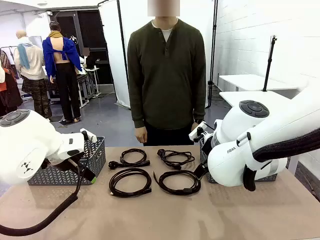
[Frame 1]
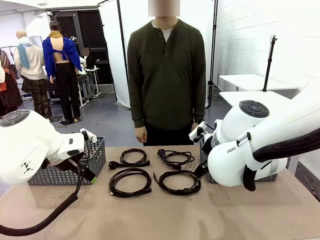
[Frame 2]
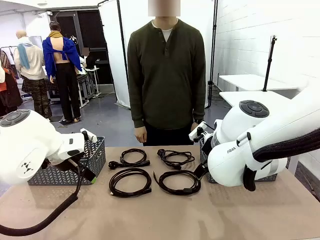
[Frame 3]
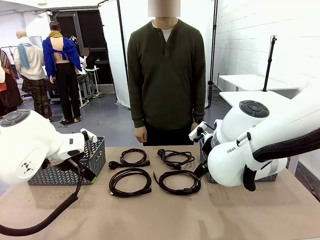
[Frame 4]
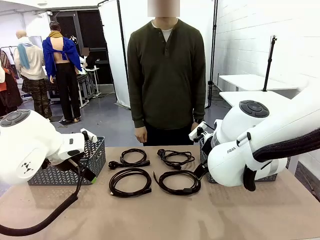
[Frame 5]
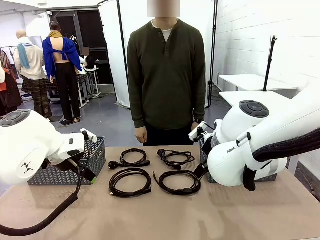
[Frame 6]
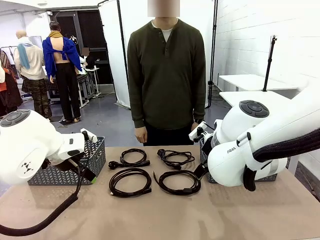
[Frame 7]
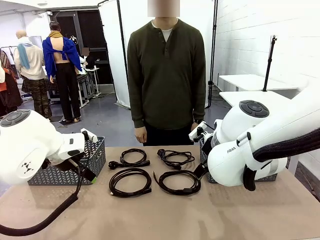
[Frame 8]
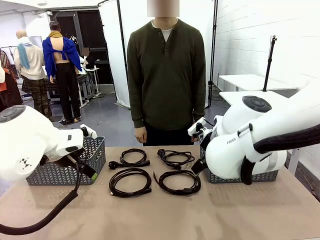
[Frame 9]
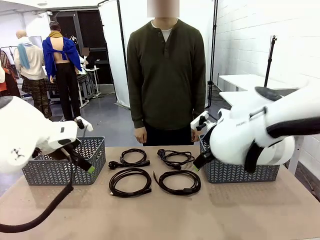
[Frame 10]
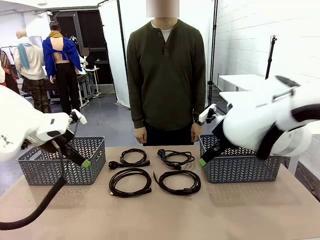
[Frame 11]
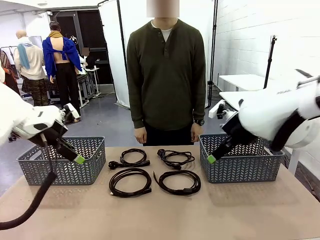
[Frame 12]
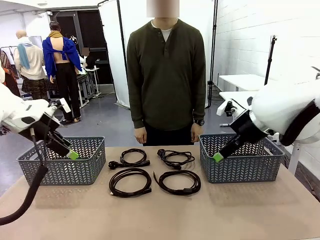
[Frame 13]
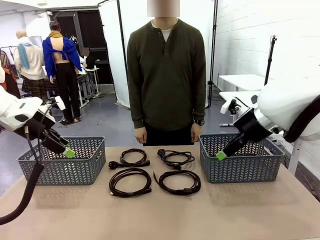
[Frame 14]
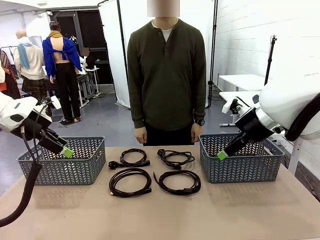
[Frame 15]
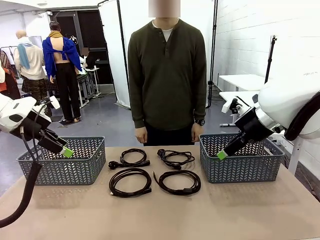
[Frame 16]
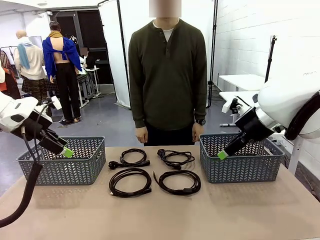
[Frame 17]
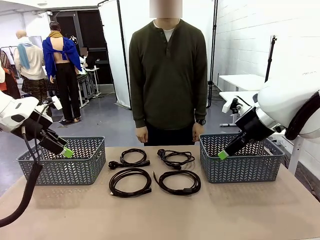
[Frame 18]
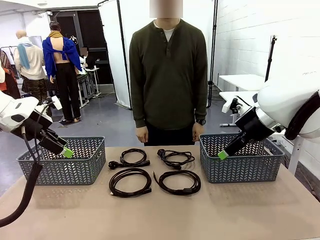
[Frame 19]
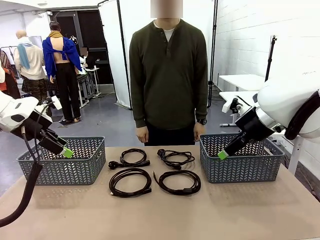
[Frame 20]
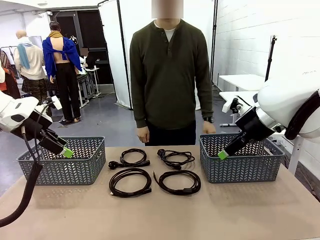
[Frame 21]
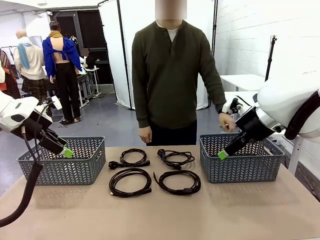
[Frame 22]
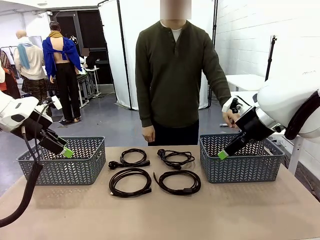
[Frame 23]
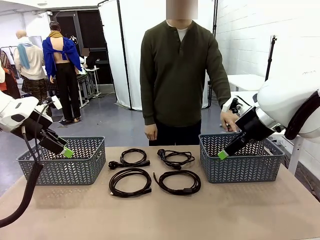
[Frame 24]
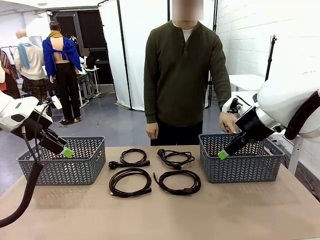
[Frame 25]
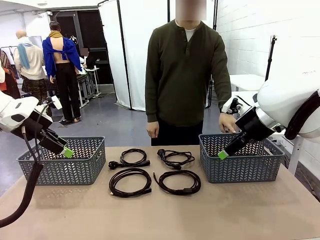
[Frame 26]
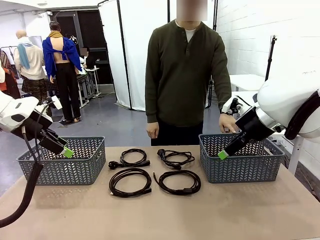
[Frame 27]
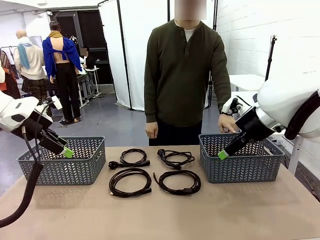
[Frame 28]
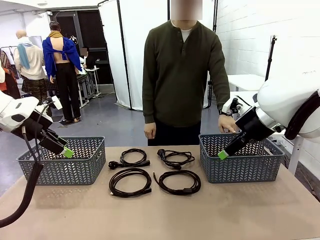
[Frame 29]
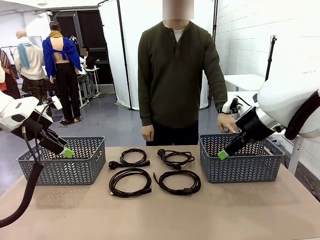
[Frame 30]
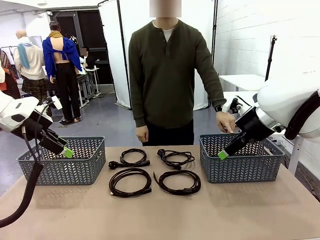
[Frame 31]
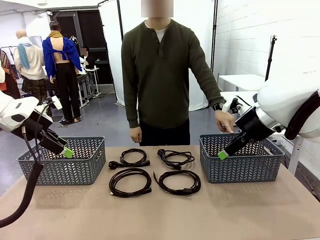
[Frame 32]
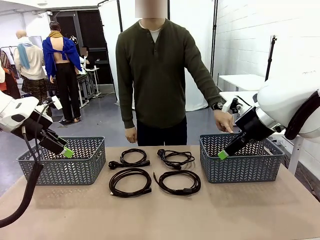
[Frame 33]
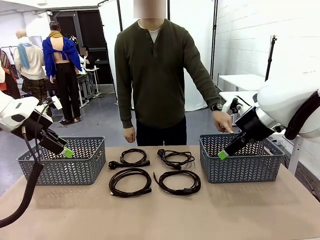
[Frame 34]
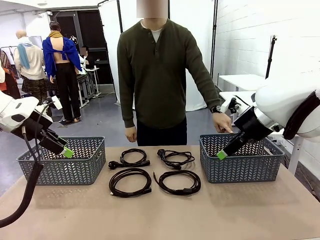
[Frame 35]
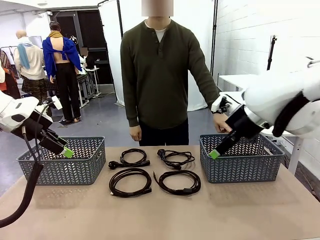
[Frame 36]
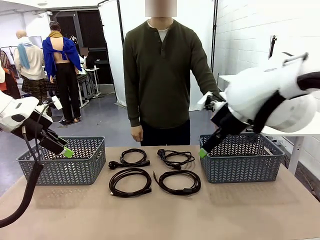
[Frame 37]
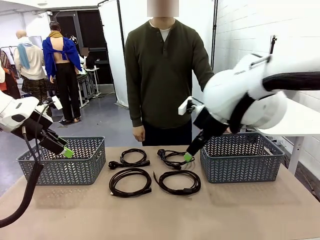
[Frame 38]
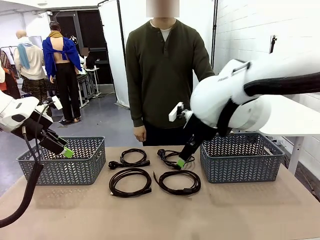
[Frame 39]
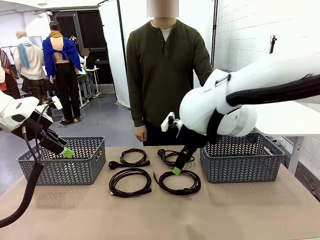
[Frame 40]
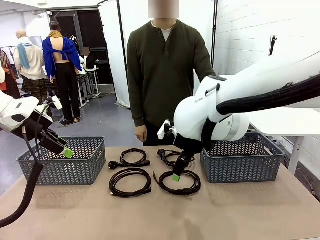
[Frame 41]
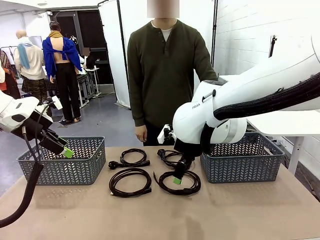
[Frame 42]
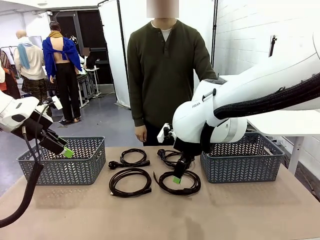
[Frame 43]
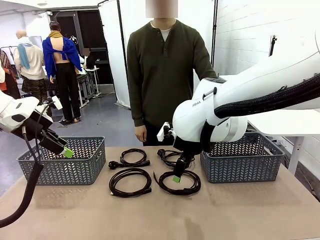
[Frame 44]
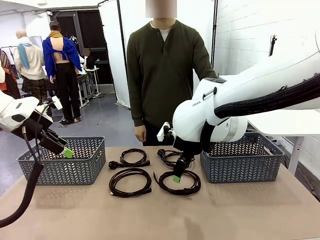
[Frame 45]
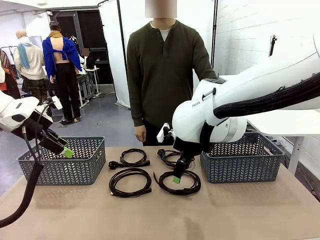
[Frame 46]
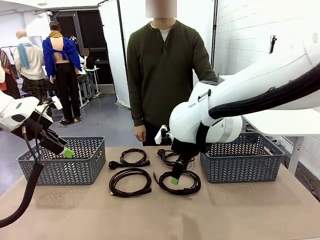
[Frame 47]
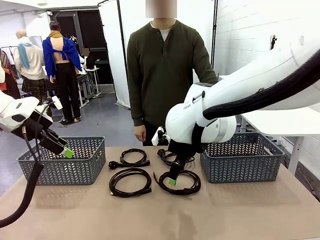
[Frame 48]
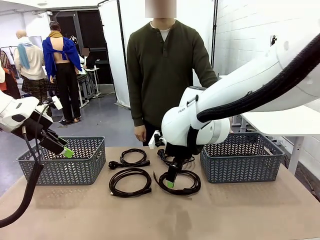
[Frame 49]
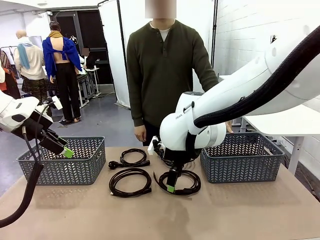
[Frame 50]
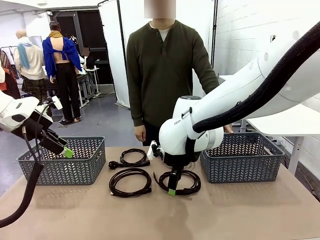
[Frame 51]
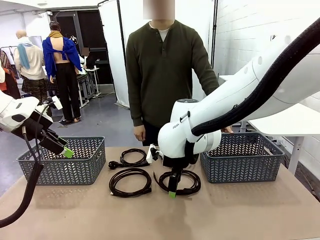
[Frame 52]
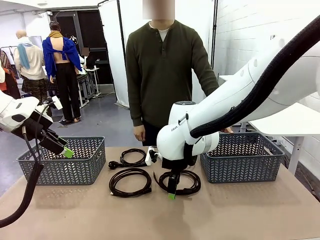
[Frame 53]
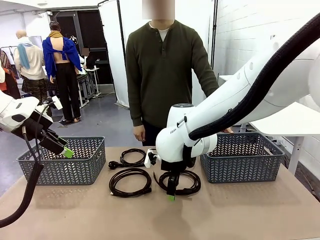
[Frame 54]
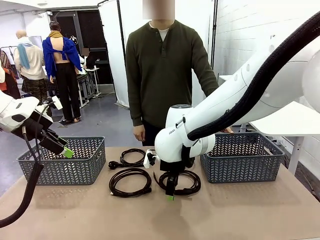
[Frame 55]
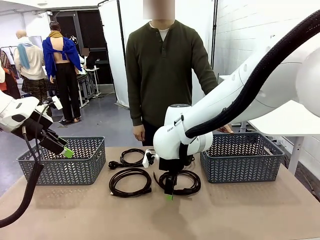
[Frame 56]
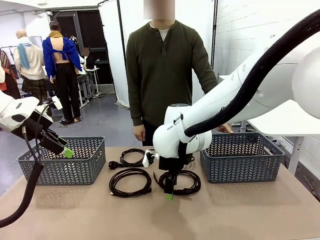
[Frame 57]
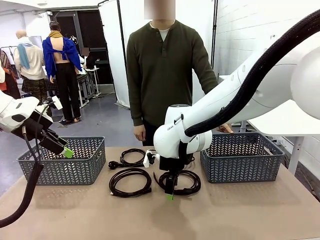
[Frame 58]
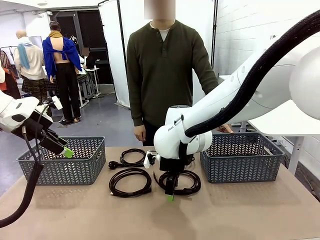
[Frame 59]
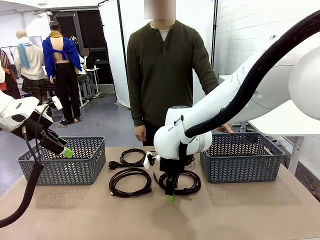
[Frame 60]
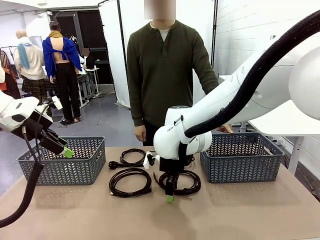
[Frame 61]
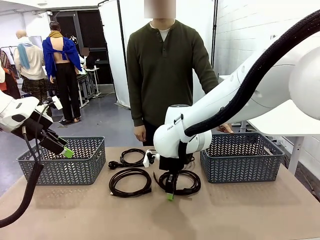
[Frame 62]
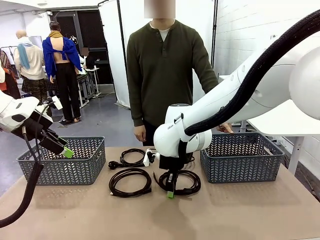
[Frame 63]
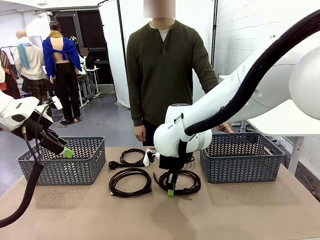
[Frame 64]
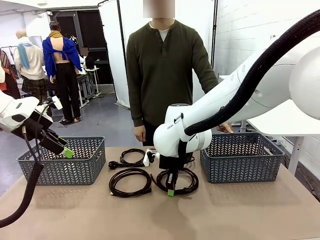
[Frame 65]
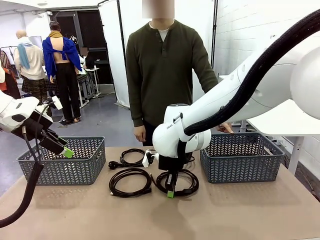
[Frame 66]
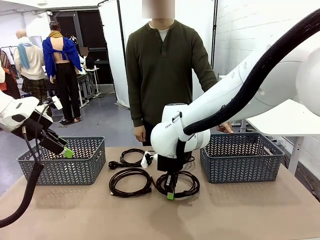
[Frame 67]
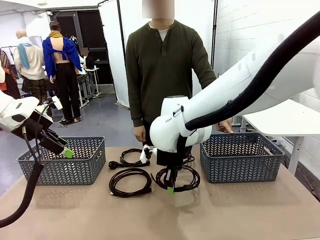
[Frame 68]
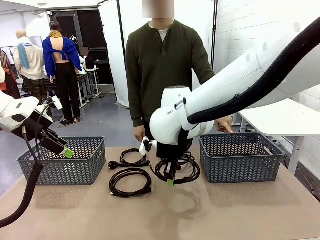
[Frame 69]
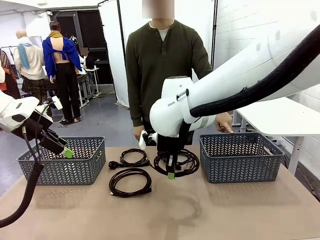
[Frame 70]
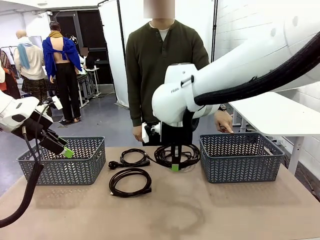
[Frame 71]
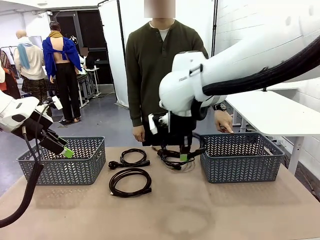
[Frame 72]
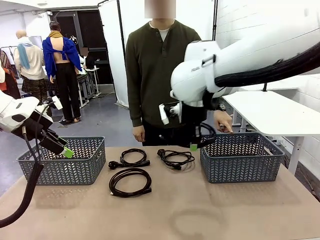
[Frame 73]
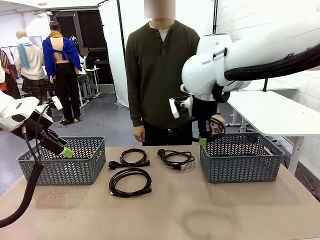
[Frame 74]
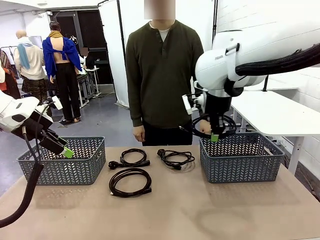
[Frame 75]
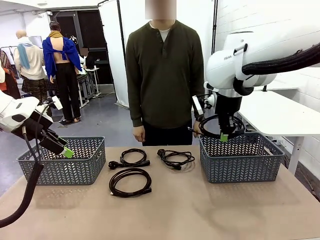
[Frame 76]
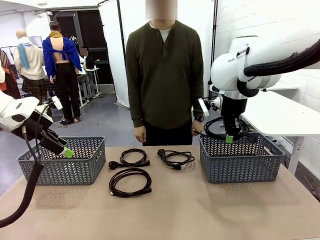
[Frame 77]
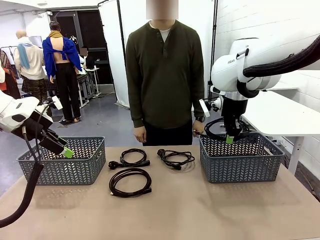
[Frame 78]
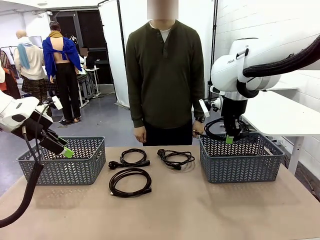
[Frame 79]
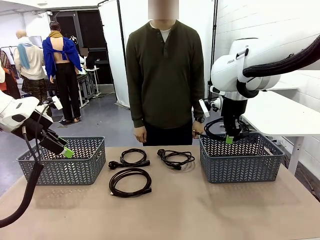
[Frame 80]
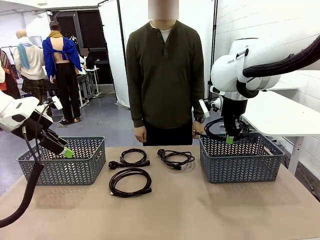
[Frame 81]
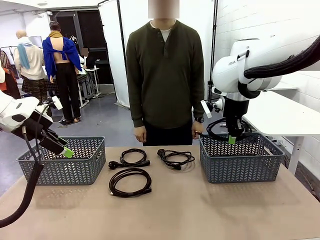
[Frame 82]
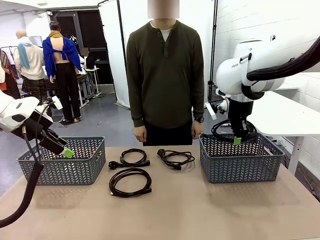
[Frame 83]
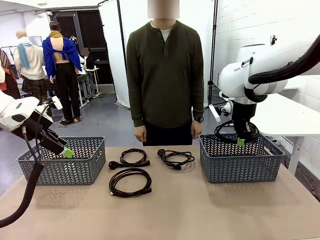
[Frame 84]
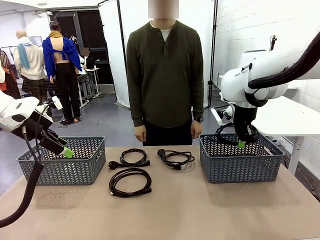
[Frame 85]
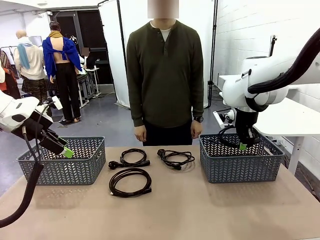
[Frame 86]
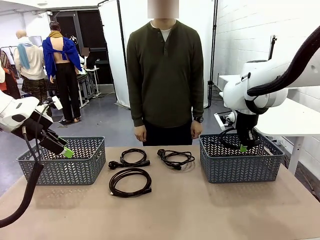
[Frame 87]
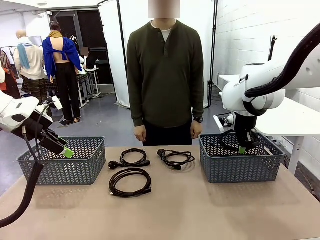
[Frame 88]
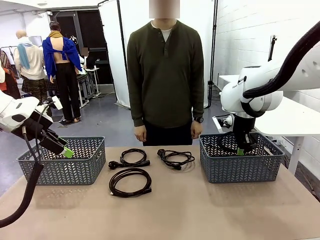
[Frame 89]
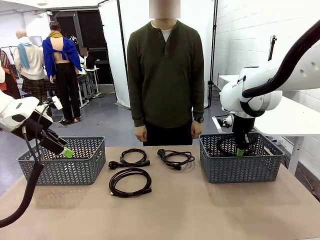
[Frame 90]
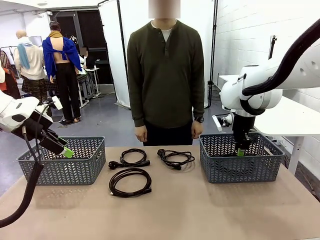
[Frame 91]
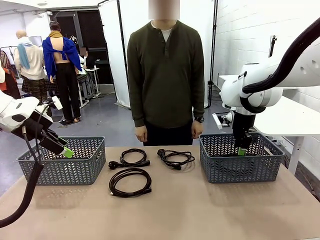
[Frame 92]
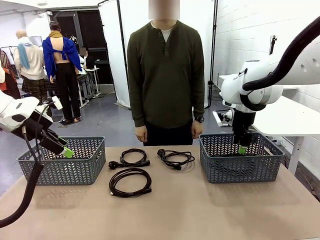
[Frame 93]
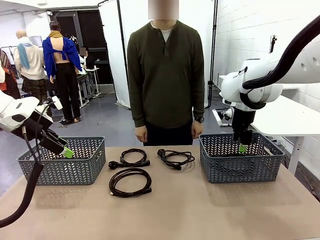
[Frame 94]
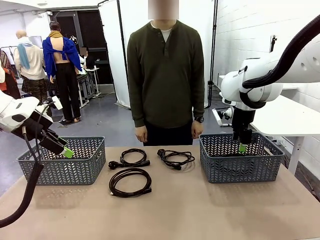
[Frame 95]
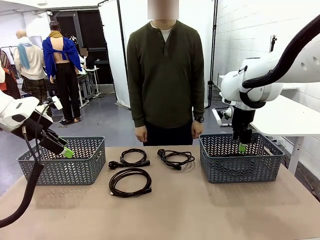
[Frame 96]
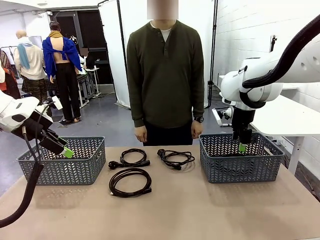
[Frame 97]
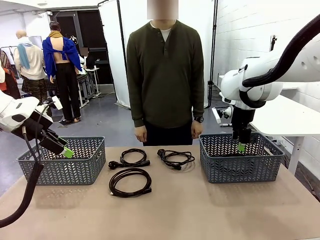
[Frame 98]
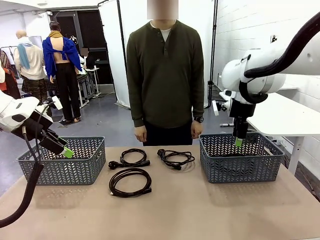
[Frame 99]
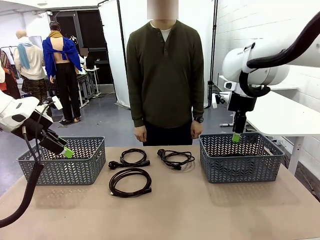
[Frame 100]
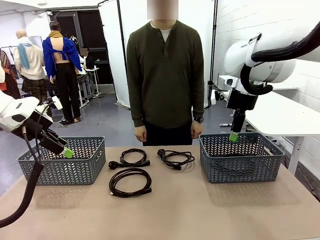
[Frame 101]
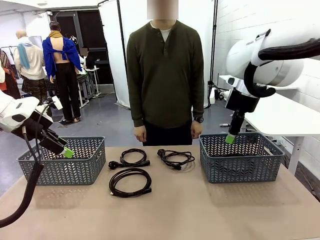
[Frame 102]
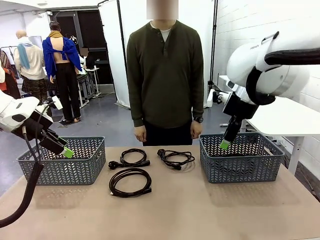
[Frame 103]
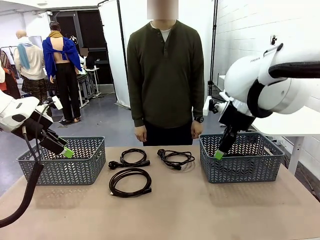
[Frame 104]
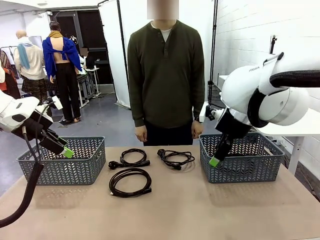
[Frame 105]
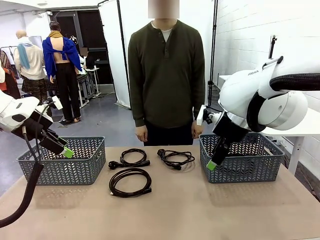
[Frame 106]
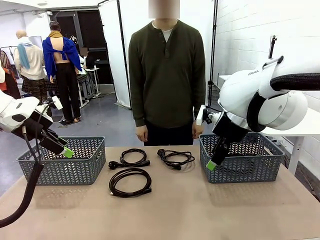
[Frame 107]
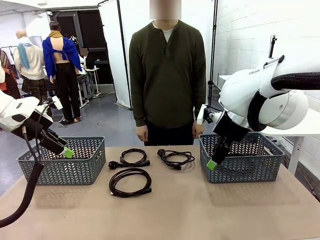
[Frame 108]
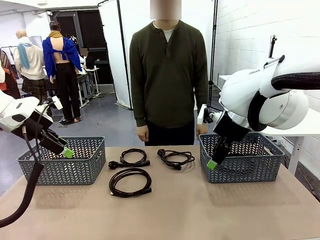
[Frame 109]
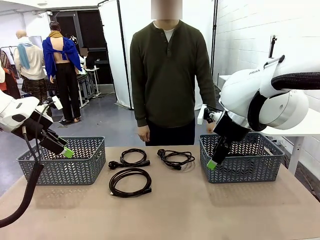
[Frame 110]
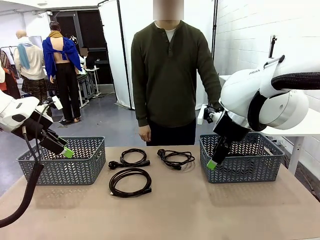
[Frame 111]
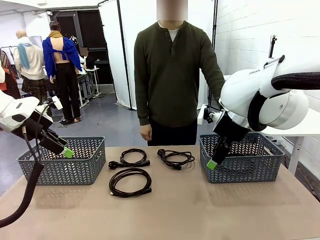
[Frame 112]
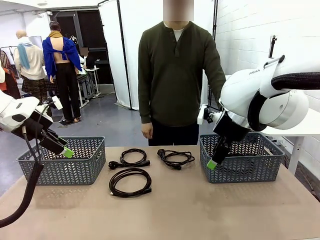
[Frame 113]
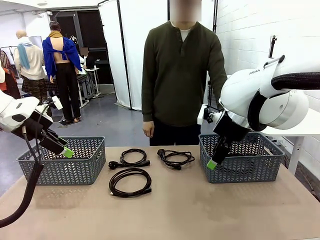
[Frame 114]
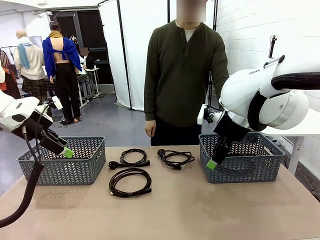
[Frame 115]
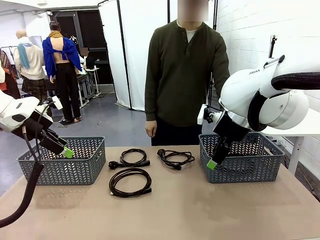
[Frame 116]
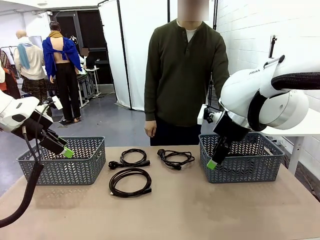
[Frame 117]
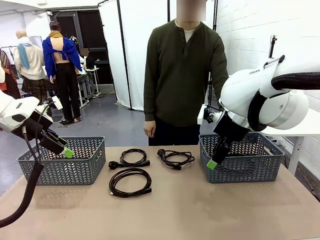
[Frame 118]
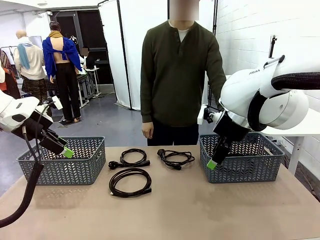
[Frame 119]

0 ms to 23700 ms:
Task: Organize the cables according to human instructions.
Robot: Pick up a bundle of cables and place it in the basket indicated by the human.
